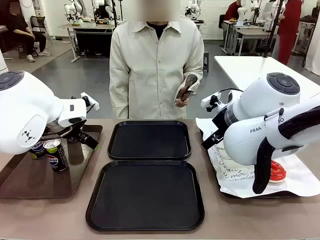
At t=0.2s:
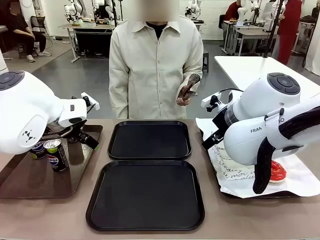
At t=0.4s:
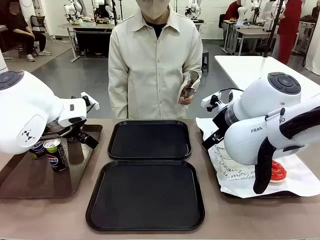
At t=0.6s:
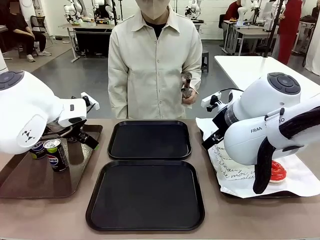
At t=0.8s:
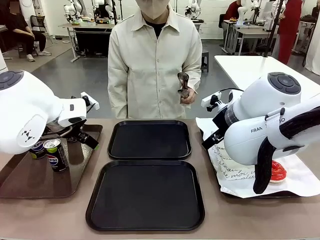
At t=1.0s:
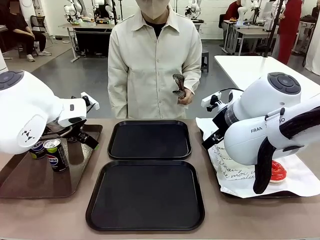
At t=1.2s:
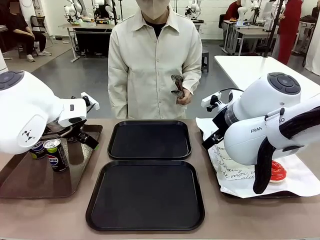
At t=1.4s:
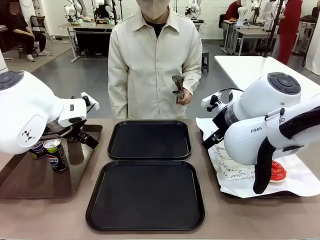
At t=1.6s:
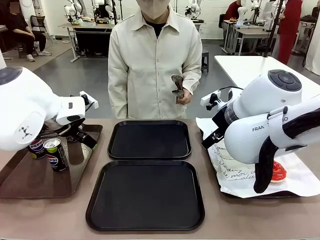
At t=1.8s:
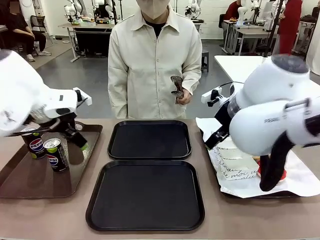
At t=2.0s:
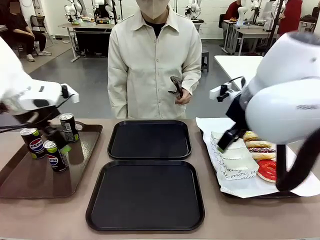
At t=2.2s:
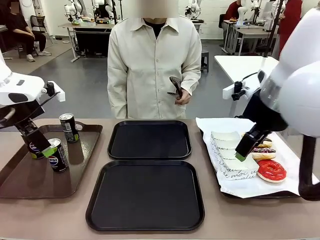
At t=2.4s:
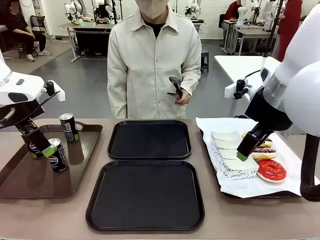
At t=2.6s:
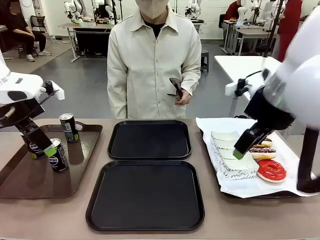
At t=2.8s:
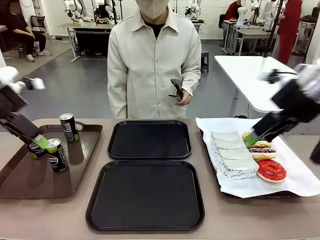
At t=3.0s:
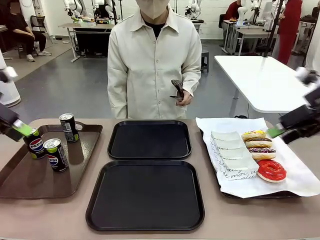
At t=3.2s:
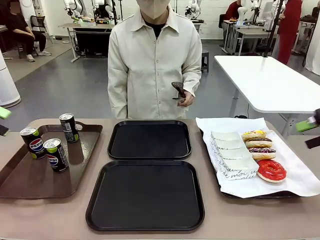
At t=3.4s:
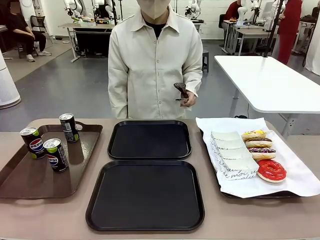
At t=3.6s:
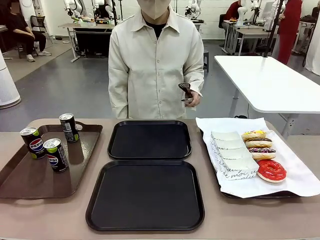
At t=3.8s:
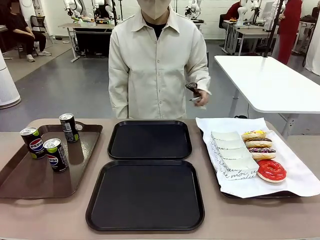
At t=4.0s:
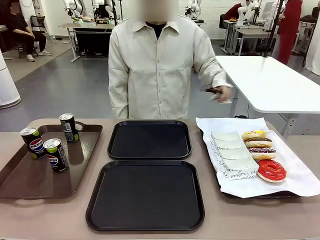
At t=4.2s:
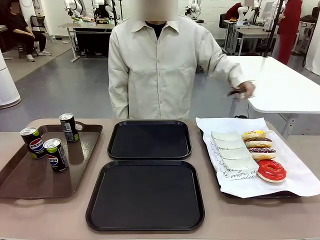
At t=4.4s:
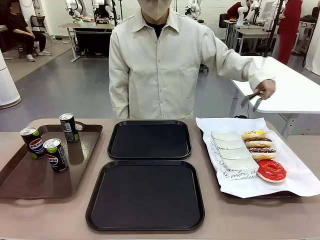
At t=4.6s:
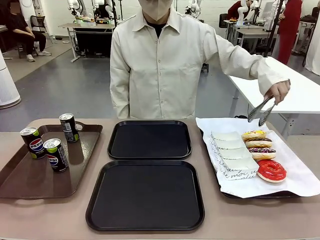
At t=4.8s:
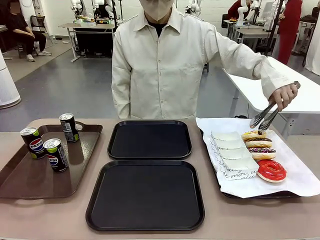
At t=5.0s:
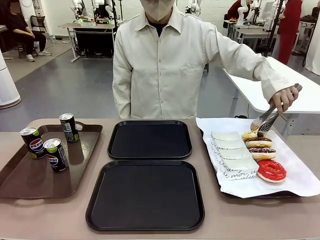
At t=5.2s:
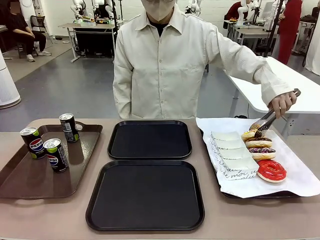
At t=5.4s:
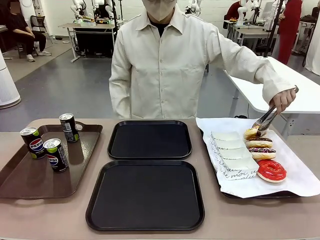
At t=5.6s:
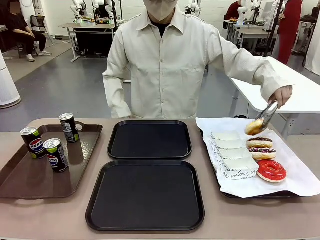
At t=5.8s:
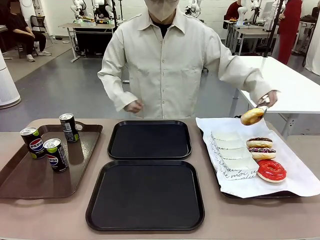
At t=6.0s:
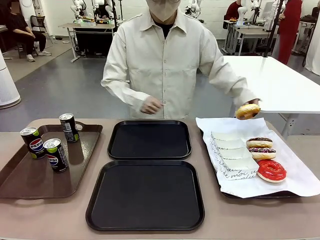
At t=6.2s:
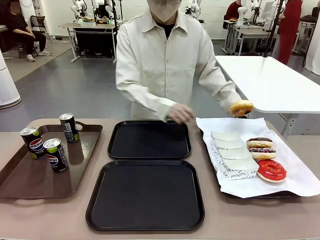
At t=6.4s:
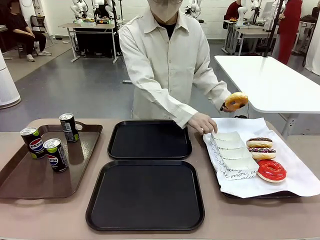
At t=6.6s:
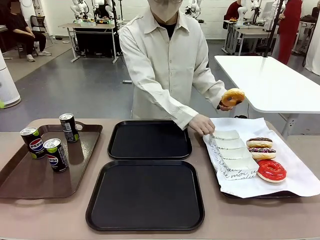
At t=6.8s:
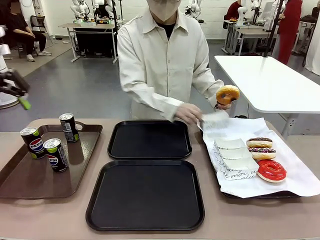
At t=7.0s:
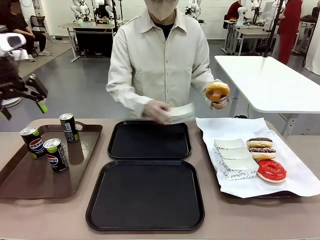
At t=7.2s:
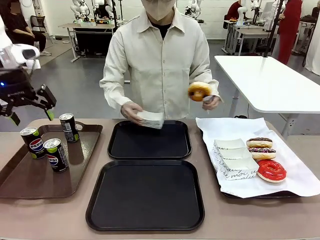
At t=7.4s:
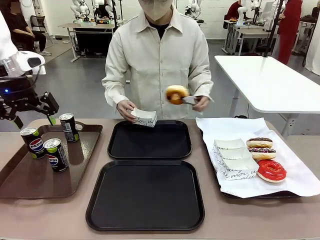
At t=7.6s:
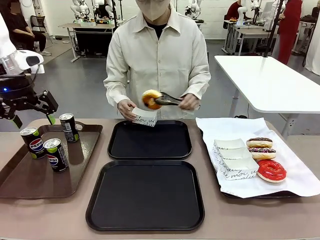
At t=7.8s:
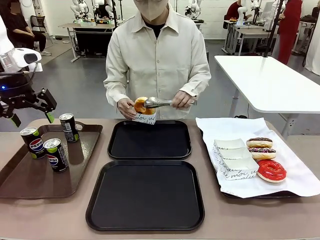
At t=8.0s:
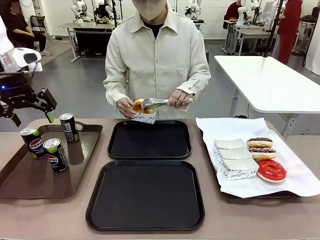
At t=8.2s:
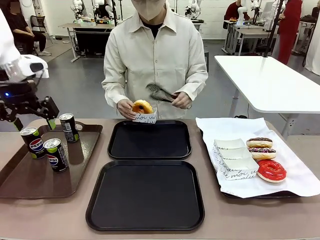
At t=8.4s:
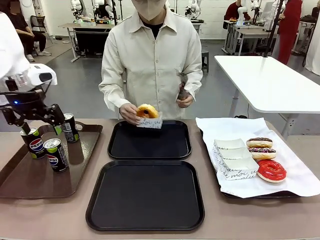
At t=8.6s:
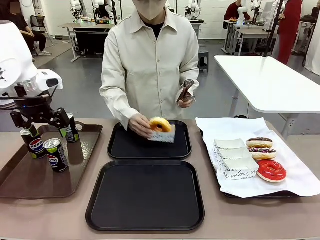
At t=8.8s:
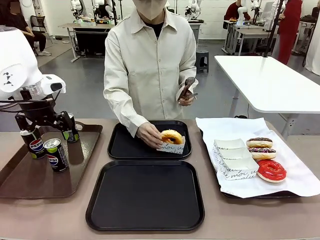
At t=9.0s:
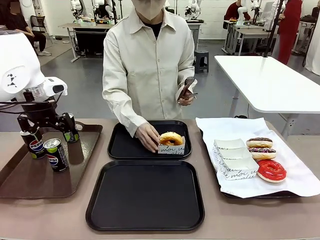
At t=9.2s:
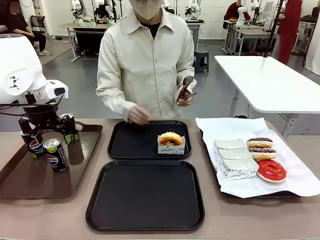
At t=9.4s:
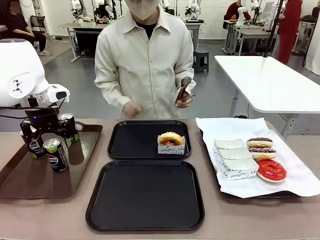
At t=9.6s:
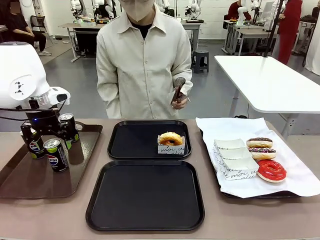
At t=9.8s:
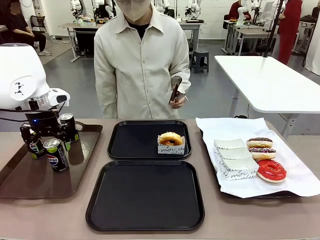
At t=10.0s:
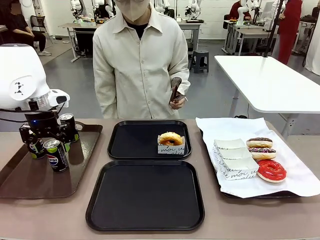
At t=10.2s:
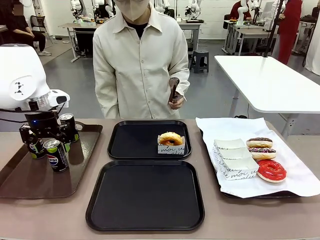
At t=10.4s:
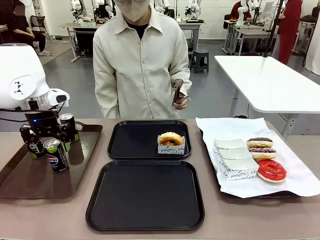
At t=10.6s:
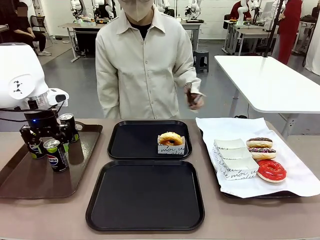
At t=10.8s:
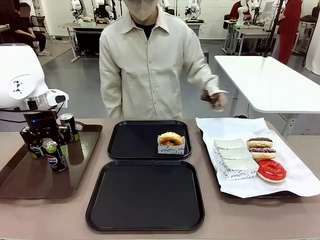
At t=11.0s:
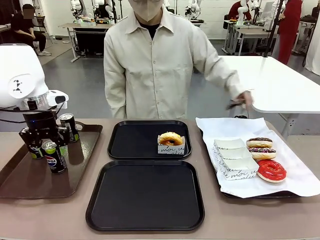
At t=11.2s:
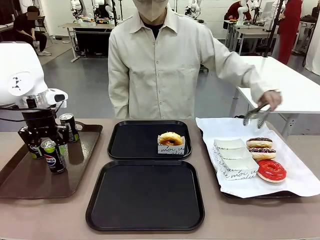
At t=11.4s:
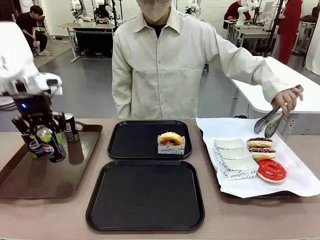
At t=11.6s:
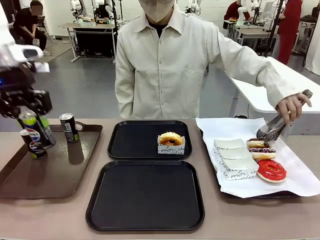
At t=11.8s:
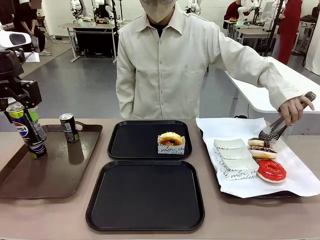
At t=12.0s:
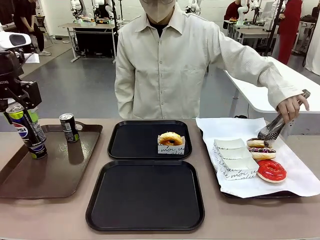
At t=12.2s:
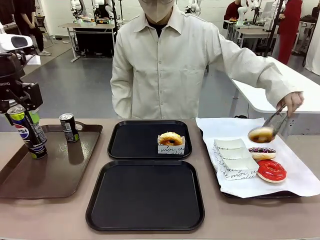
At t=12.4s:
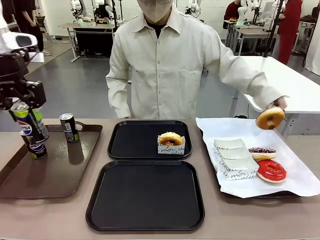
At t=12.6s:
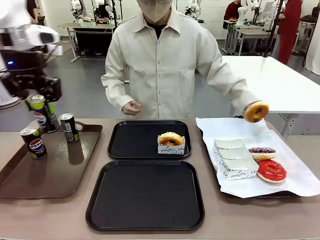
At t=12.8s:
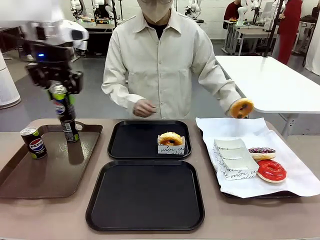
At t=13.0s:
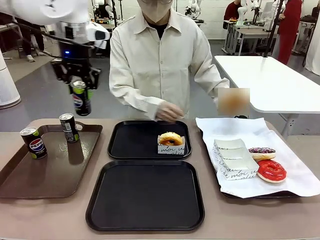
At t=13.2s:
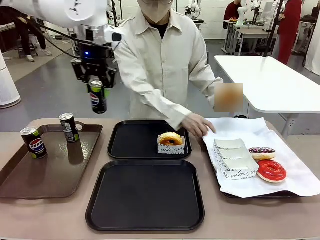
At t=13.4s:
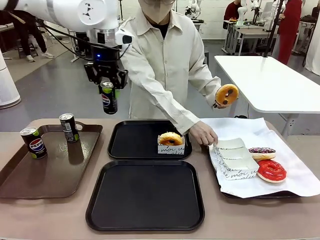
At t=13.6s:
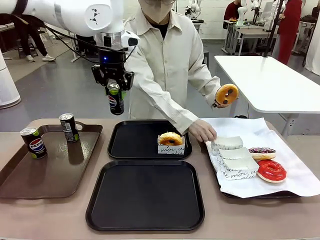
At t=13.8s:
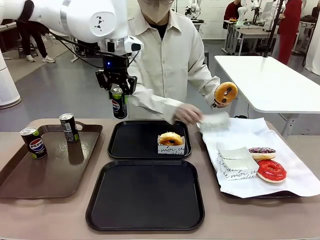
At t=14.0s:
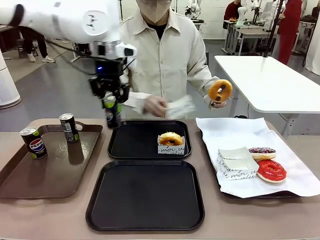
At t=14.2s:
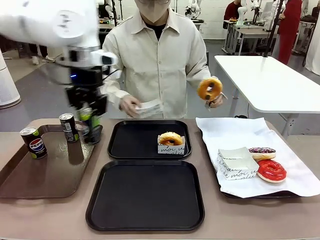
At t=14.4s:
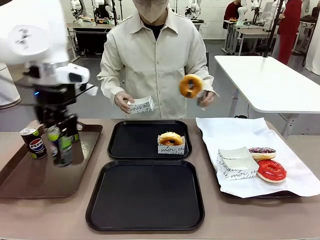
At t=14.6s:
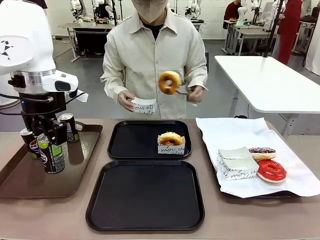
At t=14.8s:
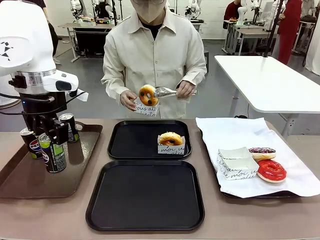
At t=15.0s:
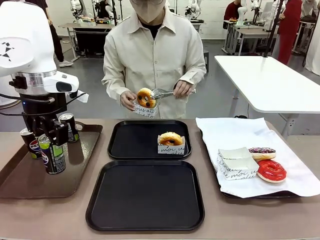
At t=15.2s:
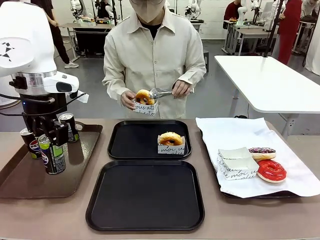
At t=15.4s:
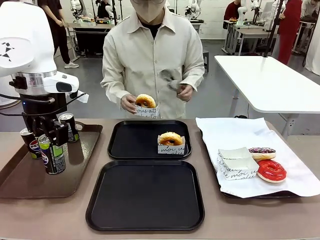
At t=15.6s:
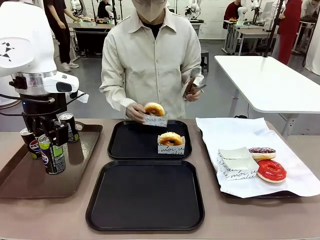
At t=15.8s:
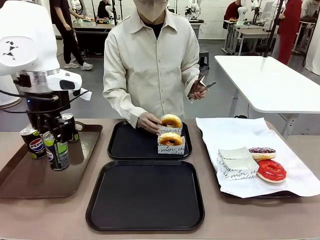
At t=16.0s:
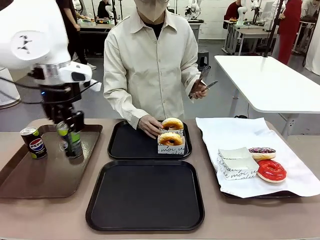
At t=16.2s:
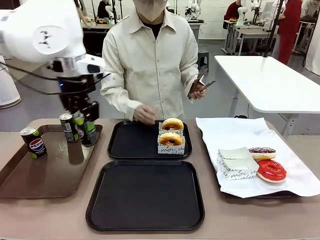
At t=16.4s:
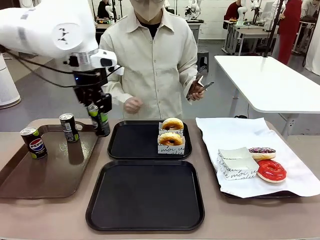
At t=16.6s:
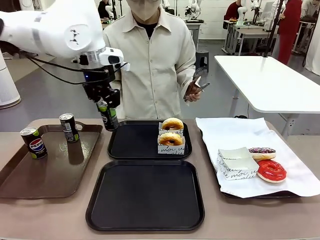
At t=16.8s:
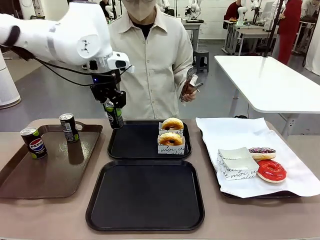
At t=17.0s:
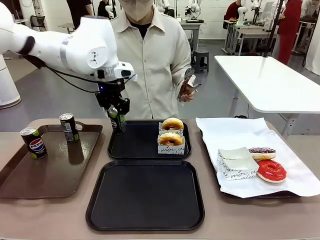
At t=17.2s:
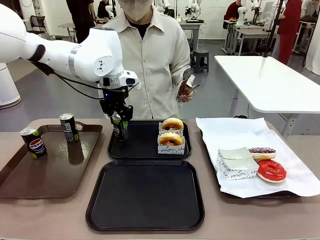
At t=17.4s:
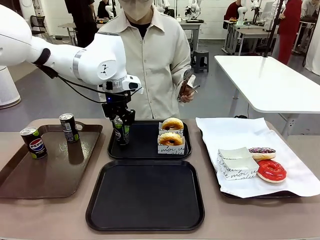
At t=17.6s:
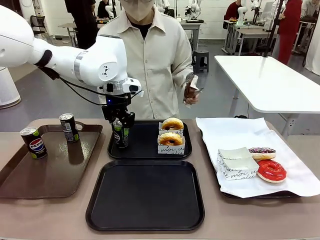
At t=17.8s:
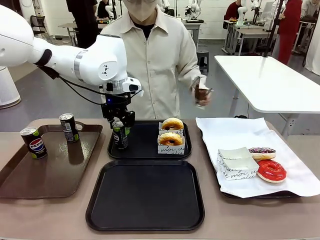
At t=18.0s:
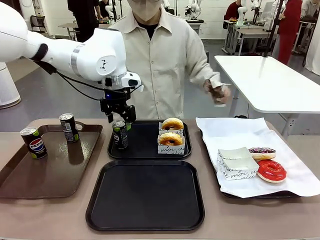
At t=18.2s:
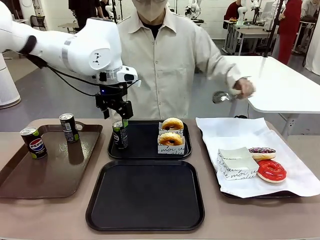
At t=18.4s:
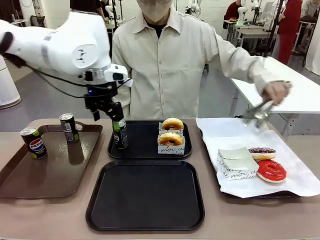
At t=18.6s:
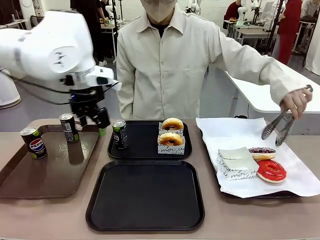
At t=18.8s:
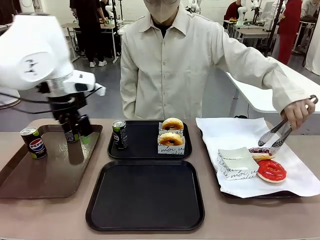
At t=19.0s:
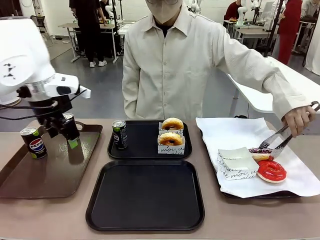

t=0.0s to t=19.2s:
Task: Set up donuts and drinks on trays.
Robot: Pick up one Pepsi coke and place it on the Flat Tray.
Person: Pick up one donut with tongs, place it in the donut tray, and then place the donut tray on the flat tray.
